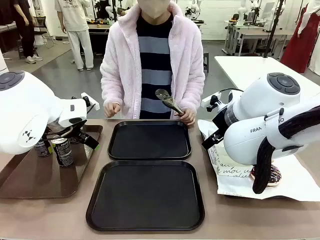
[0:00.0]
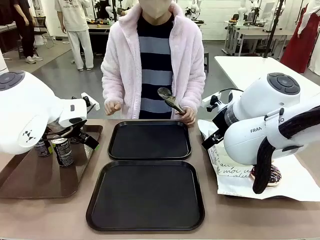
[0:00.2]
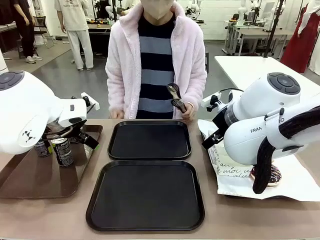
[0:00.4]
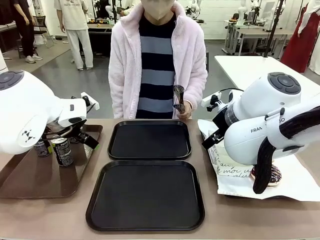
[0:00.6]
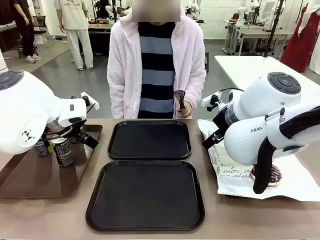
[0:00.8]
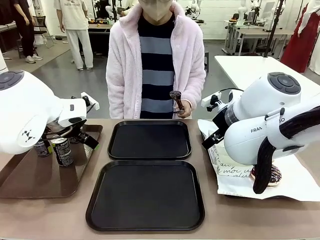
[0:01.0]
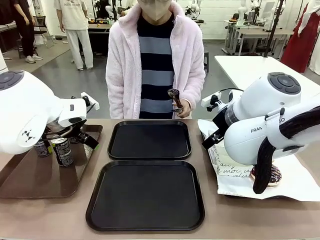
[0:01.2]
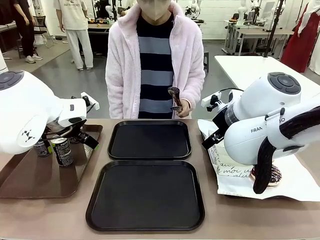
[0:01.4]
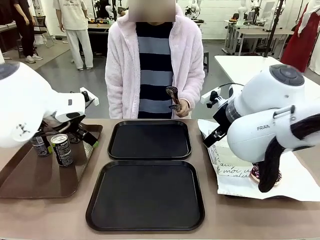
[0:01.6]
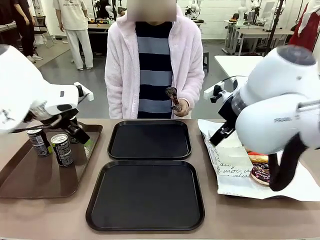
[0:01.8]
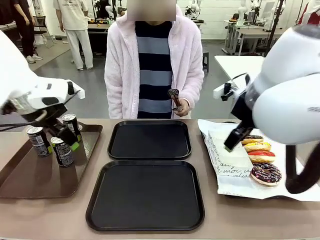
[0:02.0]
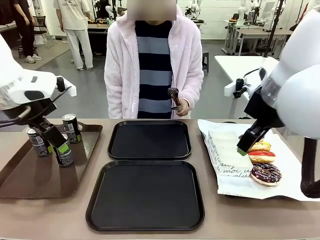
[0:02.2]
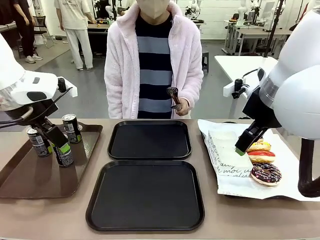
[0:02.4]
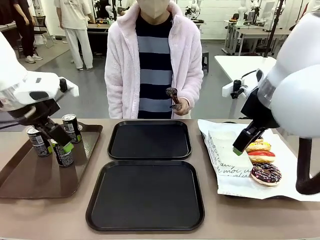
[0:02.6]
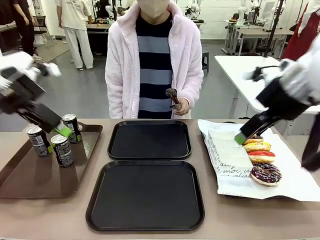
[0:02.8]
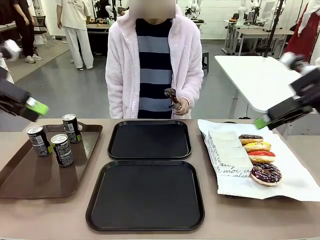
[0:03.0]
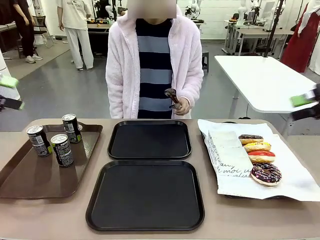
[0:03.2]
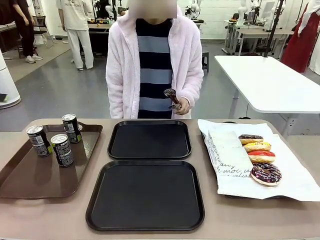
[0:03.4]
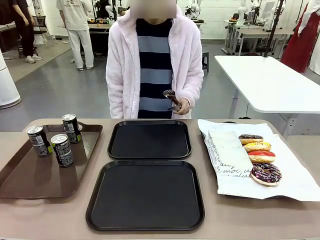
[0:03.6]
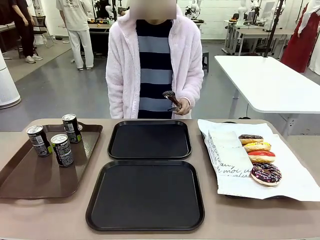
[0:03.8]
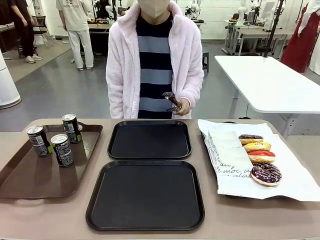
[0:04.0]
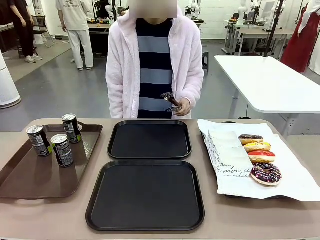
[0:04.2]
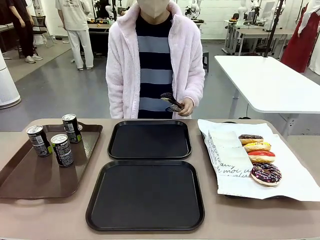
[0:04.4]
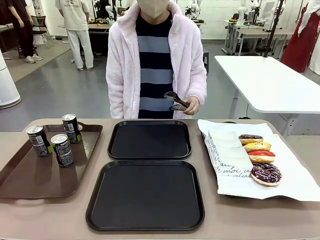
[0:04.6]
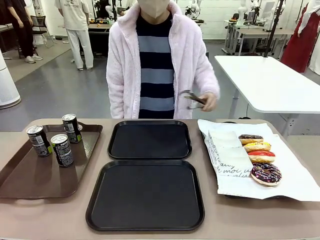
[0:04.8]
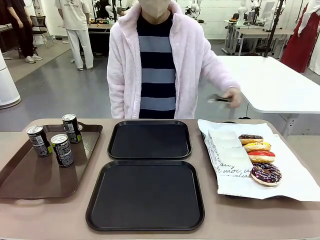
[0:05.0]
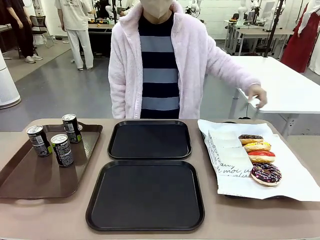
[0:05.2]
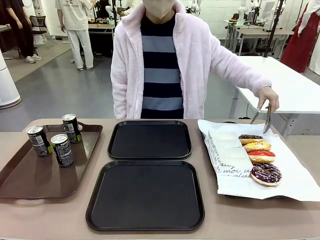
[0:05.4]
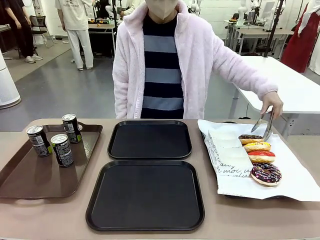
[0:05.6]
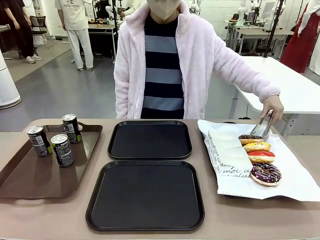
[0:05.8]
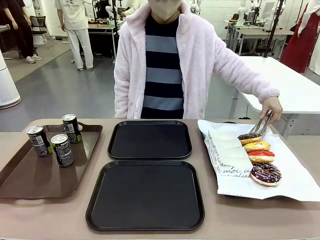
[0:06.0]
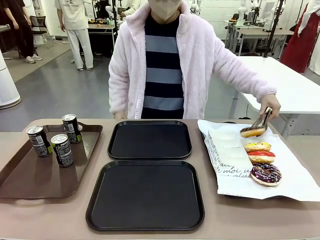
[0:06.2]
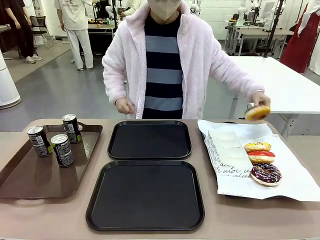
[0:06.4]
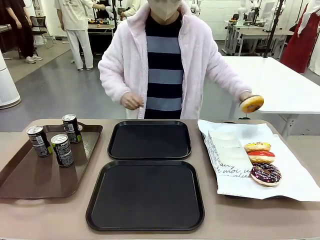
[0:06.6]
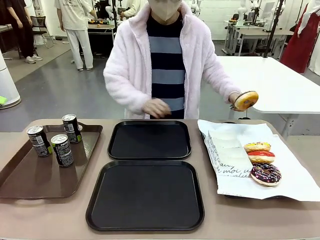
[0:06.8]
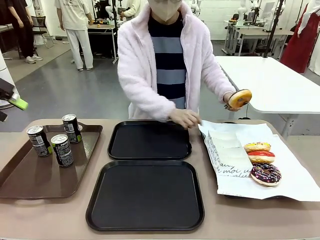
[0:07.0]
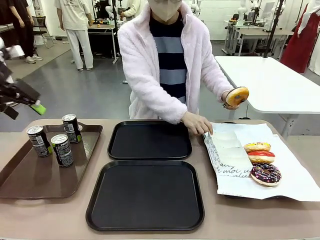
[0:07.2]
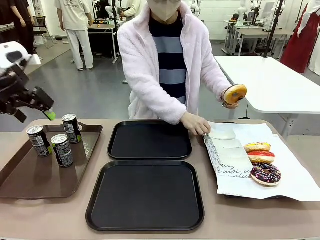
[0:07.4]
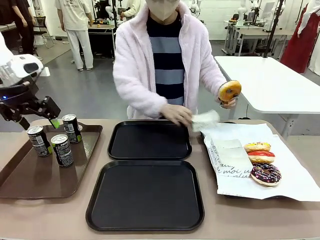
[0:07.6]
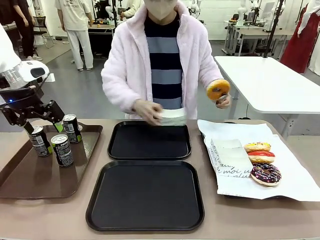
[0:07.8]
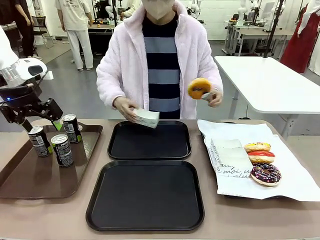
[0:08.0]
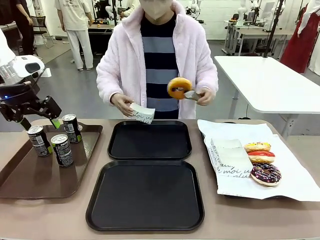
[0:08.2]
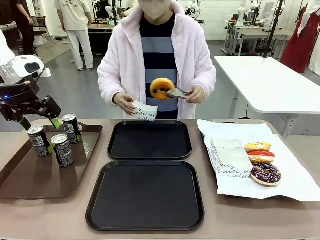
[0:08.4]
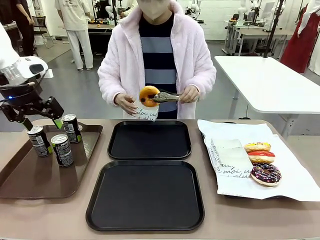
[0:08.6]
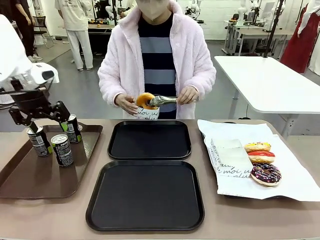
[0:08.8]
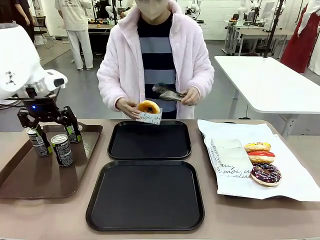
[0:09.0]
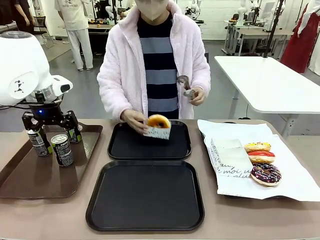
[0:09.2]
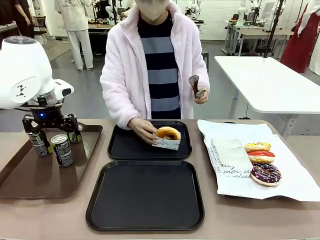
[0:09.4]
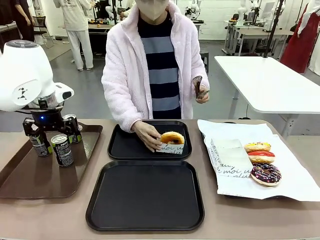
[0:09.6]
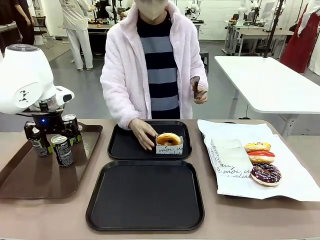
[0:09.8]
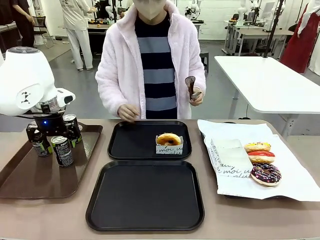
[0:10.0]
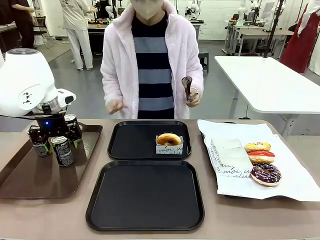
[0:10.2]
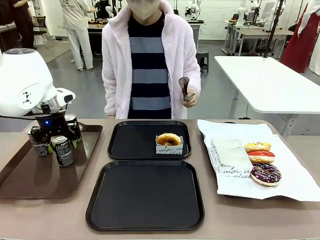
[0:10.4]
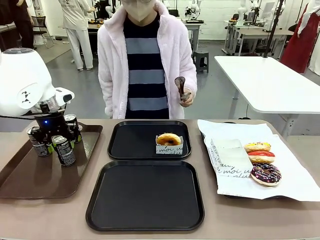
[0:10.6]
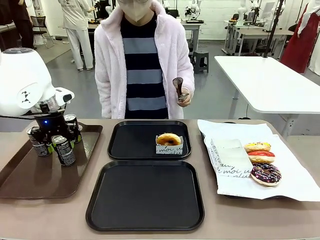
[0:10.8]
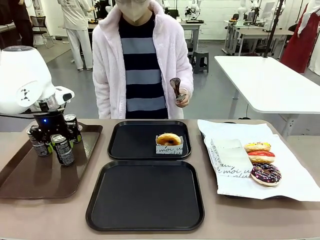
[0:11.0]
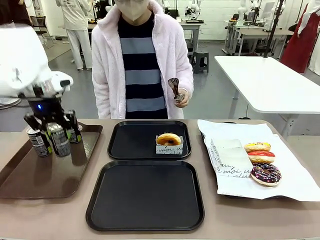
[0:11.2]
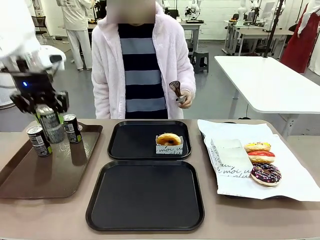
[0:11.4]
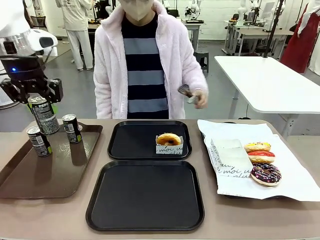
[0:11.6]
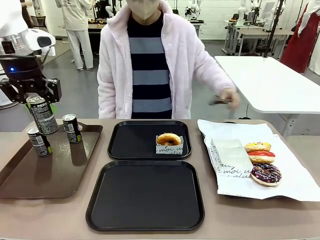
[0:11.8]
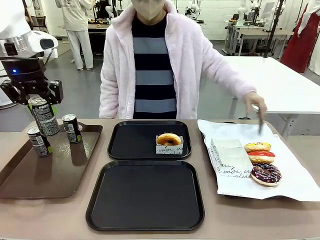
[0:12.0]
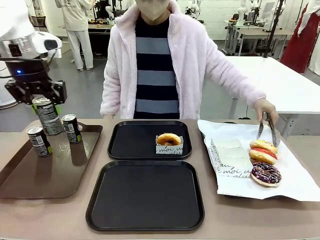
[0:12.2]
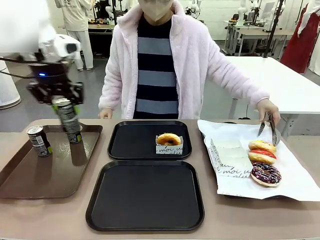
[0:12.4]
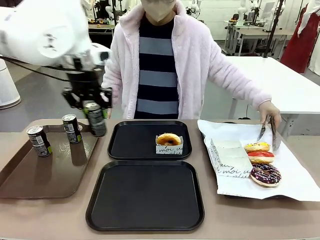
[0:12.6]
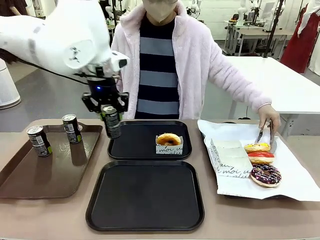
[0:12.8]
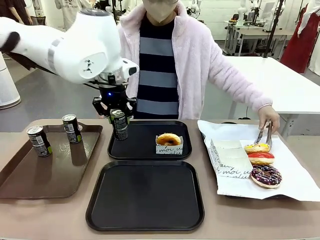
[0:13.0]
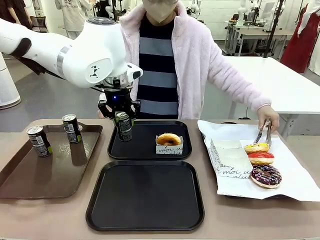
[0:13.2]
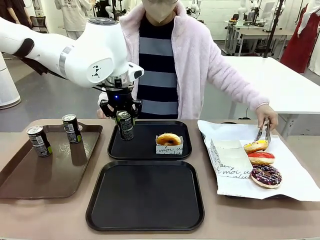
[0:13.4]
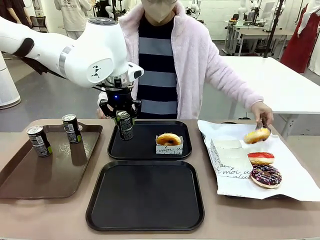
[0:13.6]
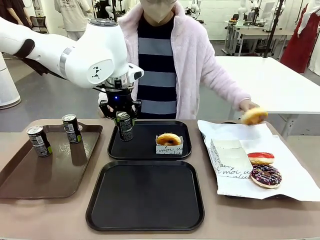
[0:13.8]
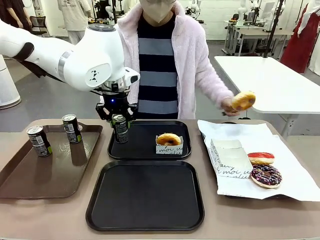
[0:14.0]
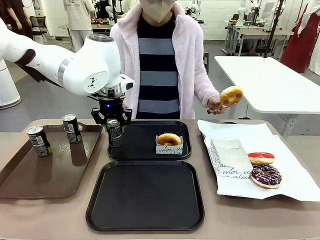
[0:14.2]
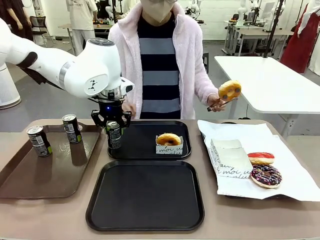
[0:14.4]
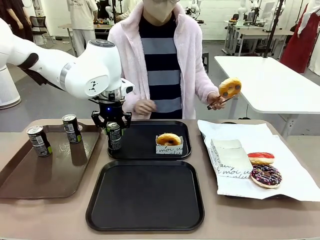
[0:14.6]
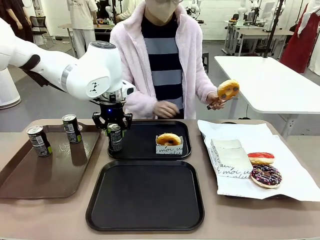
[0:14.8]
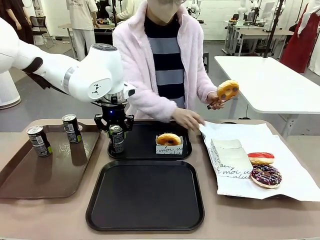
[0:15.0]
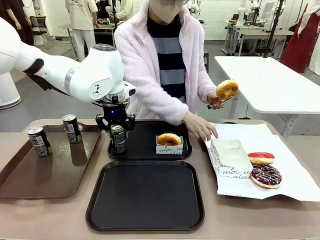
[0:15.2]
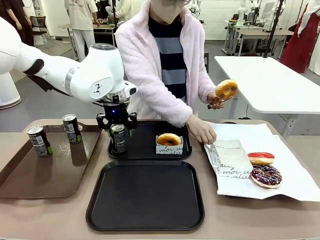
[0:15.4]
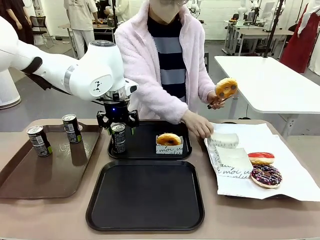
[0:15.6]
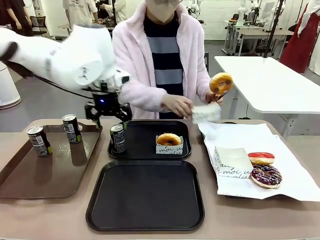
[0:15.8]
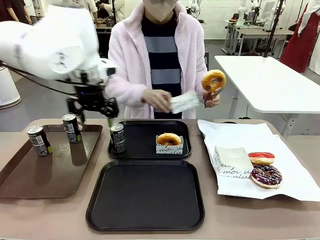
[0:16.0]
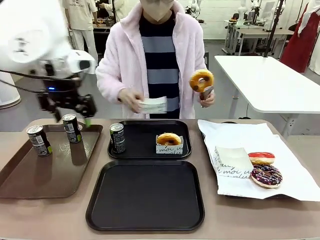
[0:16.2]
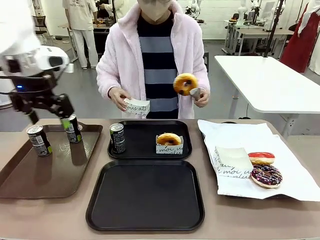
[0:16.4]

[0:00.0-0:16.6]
Task: Set up donuts and drinks on trays.
Robot: Pick up one Pepsi coke and place it on the Flat Tray.

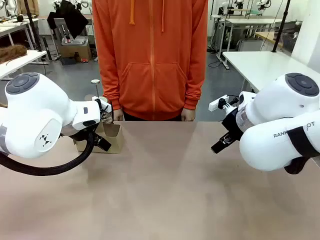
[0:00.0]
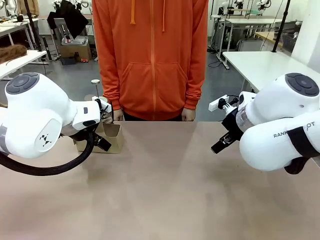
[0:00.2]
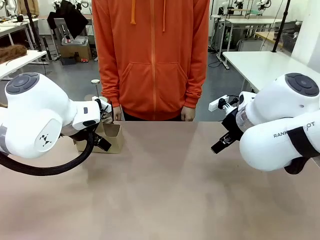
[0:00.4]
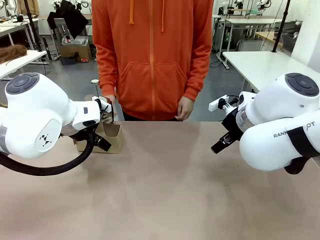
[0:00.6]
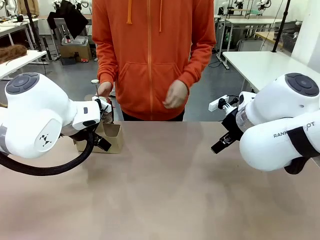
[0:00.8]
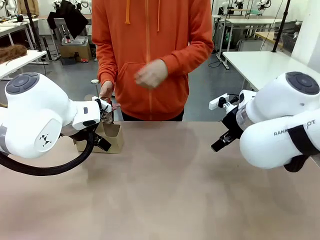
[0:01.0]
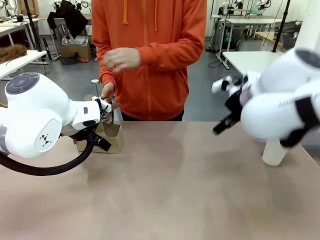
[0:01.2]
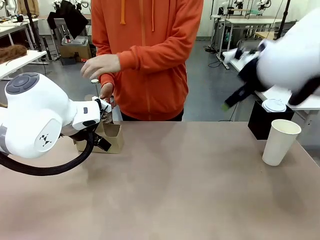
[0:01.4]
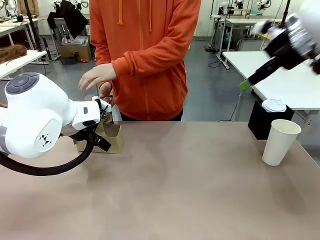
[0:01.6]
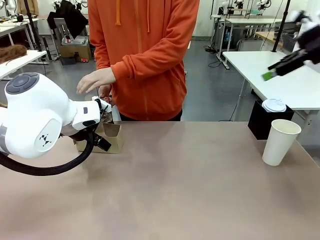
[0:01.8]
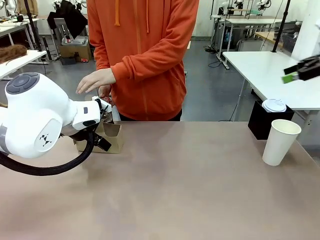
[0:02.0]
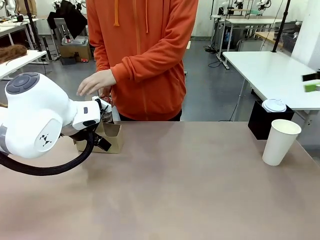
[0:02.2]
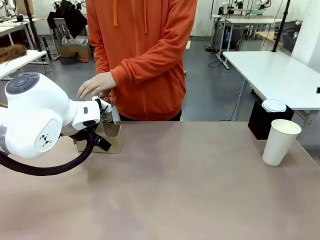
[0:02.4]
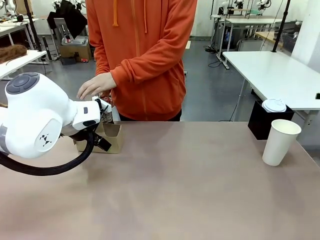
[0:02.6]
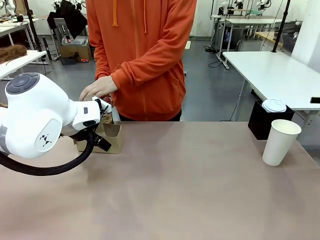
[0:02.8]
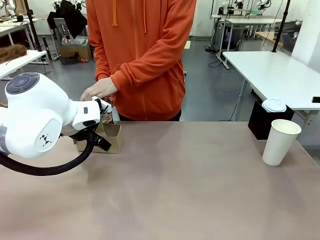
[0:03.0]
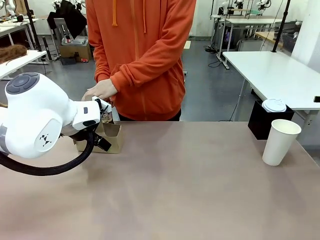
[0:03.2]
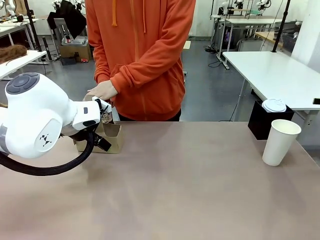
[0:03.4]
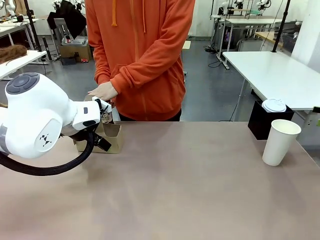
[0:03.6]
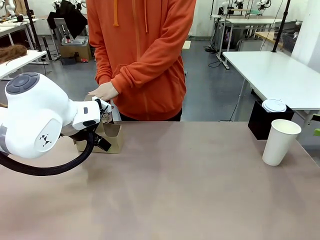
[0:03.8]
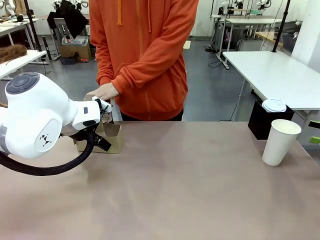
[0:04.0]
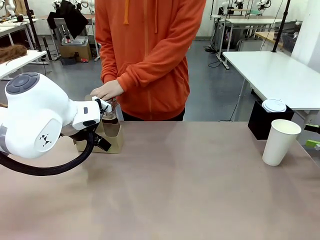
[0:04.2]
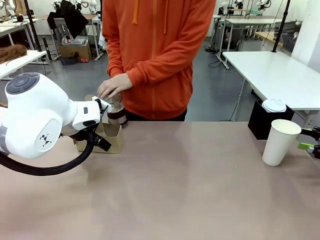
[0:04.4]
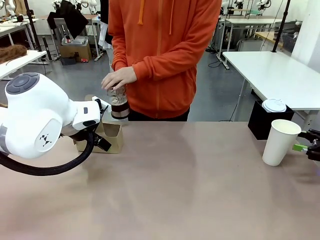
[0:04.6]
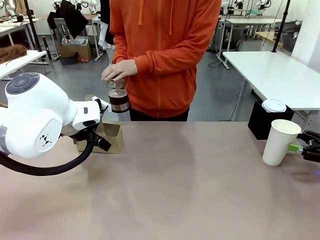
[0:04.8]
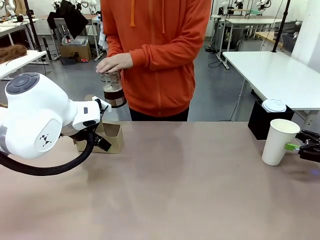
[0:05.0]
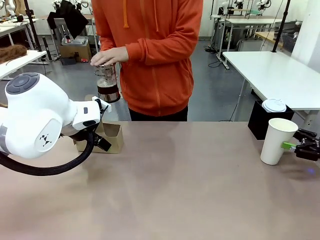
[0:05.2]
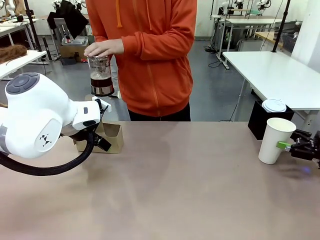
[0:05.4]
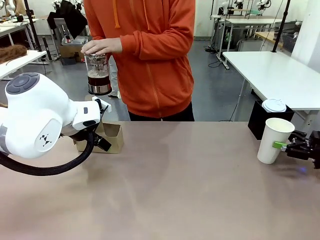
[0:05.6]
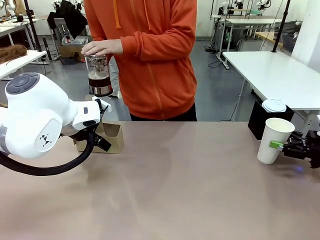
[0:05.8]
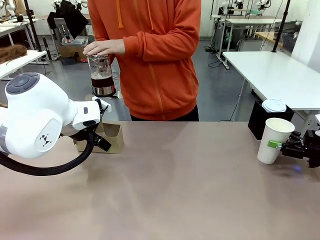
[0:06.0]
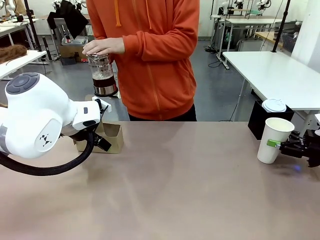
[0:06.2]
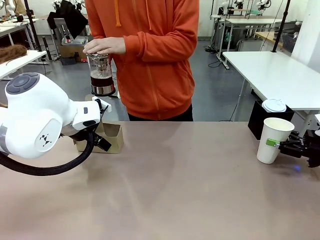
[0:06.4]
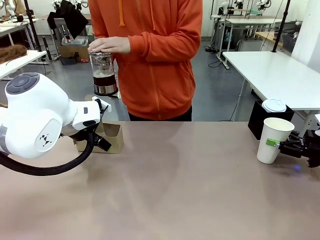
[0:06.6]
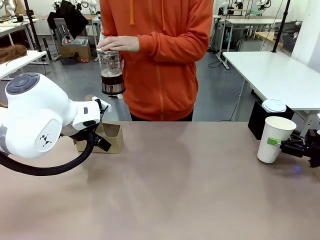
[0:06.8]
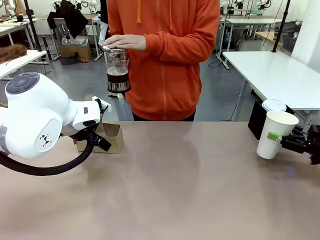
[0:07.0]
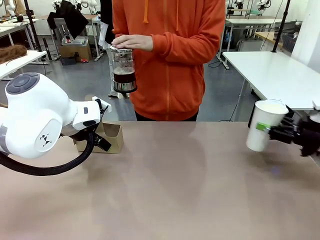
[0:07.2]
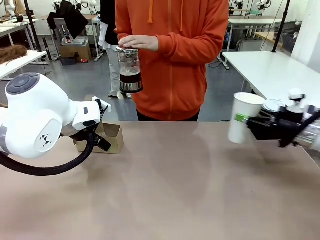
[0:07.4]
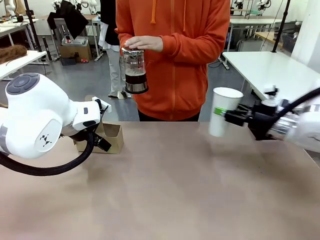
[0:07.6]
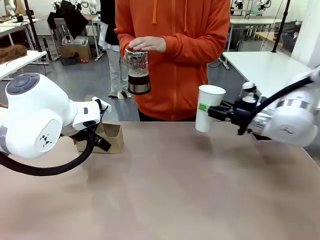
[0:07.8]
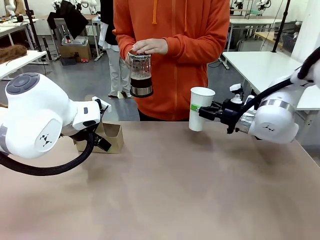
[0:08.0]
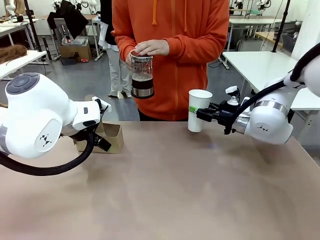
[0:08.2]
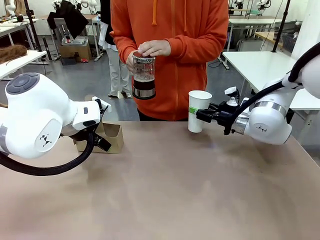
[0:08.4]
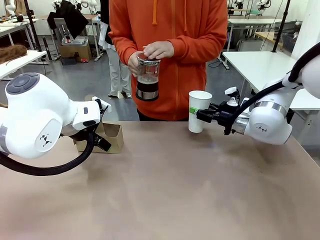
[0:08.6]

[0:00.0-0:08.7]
Task: Pour a drink into a cup and package it in a carrier.
Robot: Pick up the 600 ml Paper Cup and place it in the middle top area of the table.
Person: Press and pick up the Filter Brewing.
